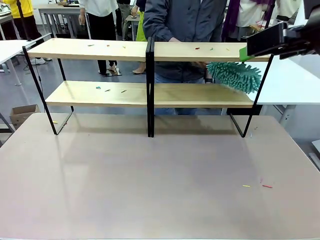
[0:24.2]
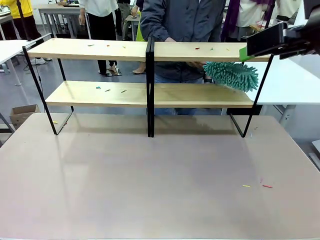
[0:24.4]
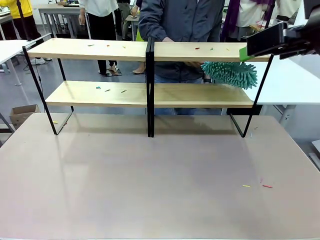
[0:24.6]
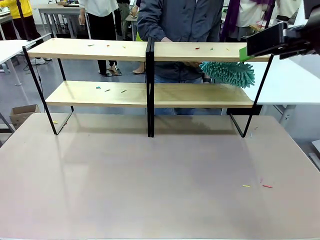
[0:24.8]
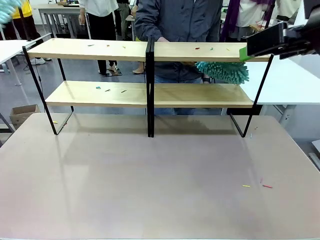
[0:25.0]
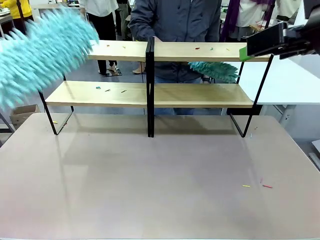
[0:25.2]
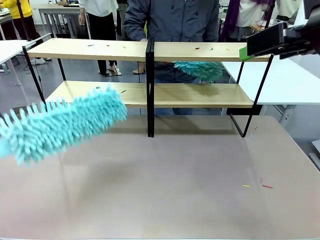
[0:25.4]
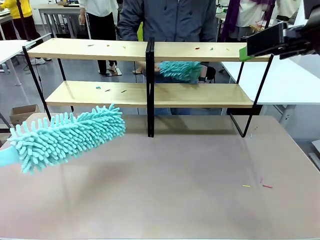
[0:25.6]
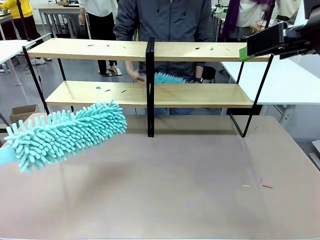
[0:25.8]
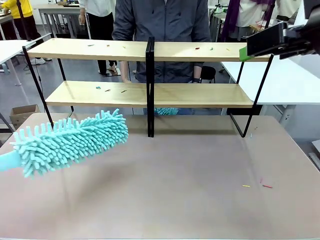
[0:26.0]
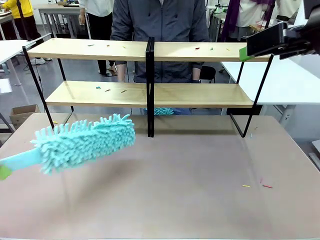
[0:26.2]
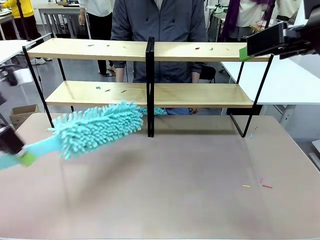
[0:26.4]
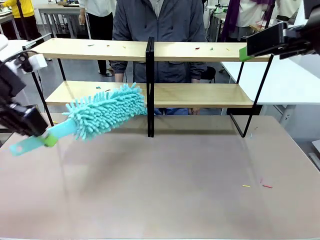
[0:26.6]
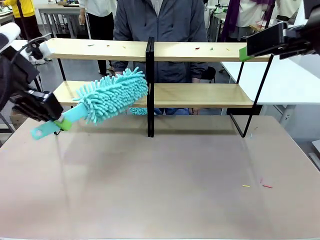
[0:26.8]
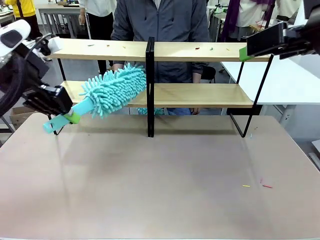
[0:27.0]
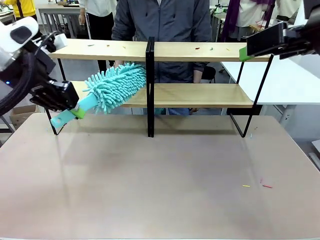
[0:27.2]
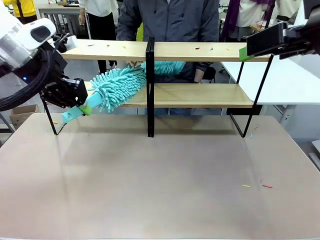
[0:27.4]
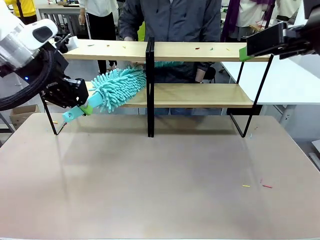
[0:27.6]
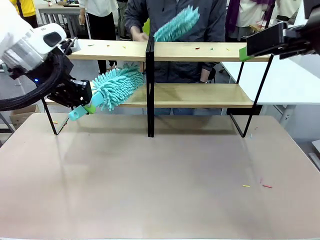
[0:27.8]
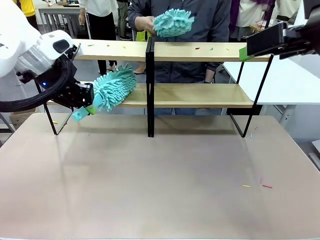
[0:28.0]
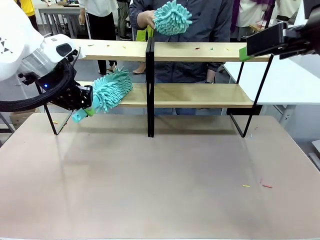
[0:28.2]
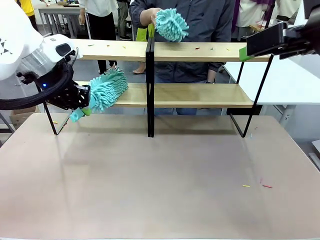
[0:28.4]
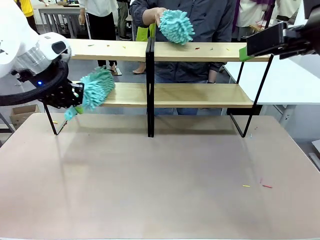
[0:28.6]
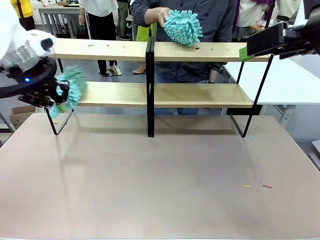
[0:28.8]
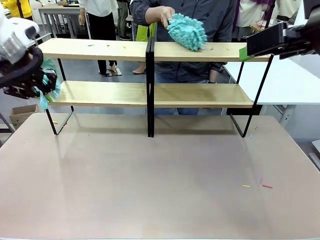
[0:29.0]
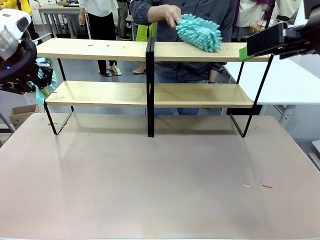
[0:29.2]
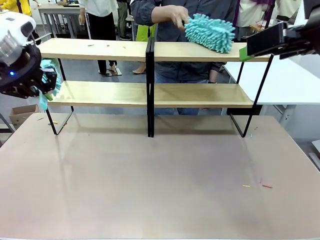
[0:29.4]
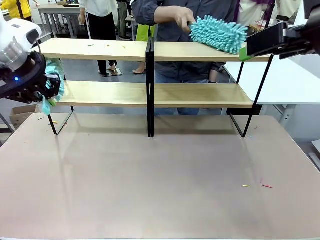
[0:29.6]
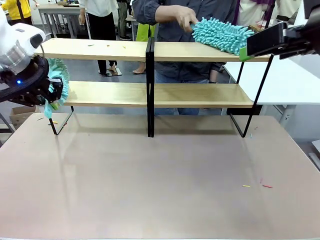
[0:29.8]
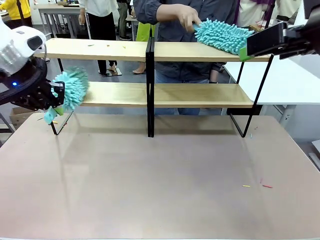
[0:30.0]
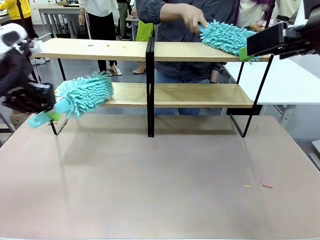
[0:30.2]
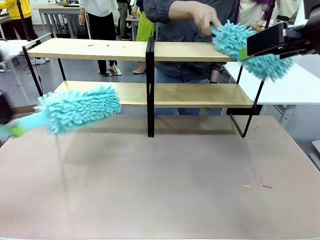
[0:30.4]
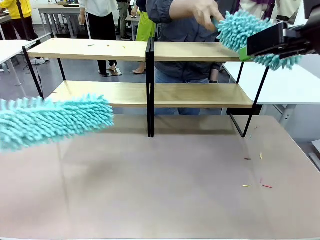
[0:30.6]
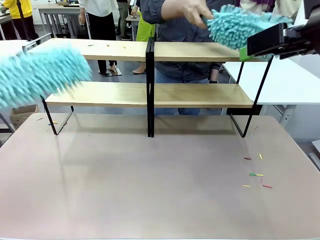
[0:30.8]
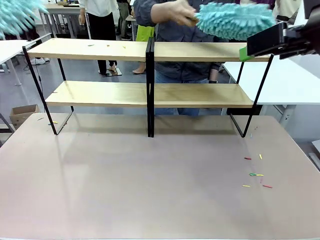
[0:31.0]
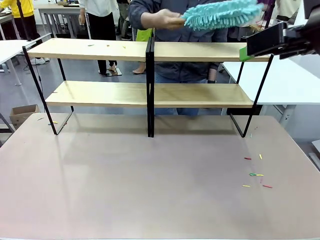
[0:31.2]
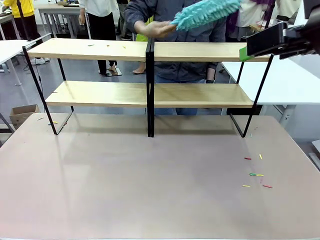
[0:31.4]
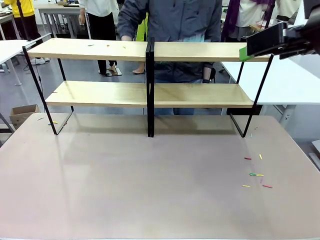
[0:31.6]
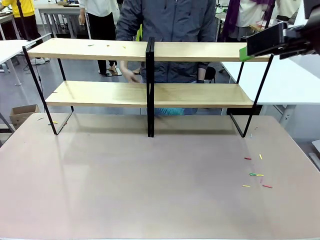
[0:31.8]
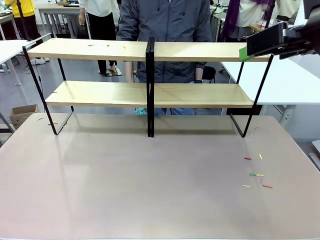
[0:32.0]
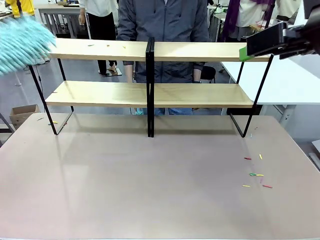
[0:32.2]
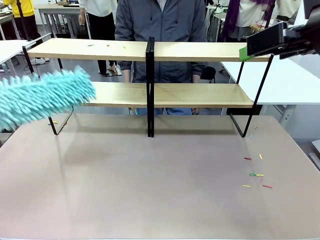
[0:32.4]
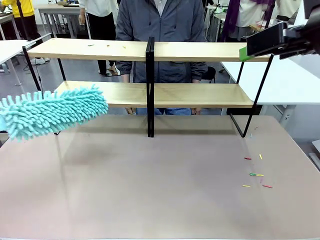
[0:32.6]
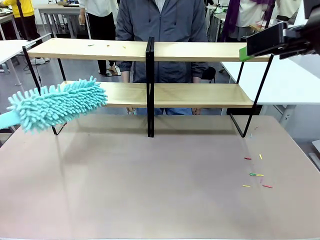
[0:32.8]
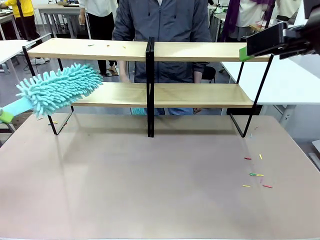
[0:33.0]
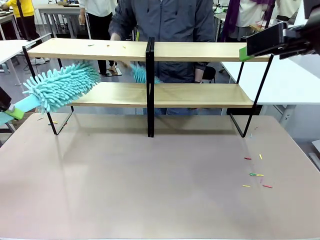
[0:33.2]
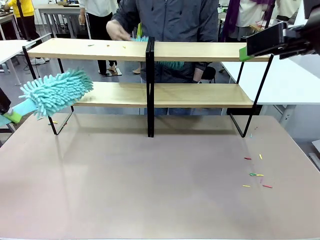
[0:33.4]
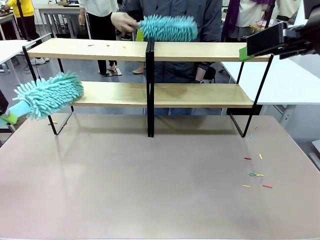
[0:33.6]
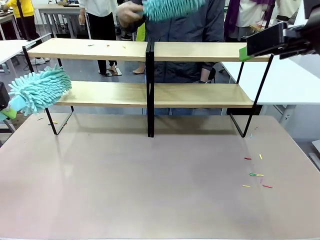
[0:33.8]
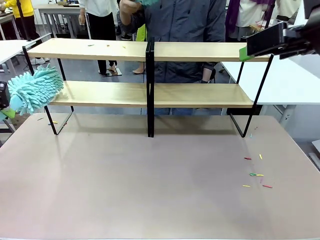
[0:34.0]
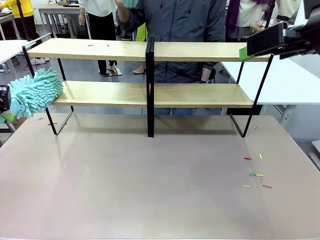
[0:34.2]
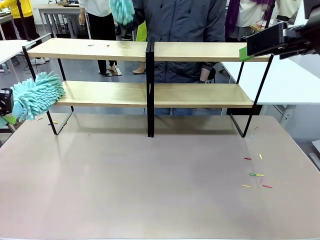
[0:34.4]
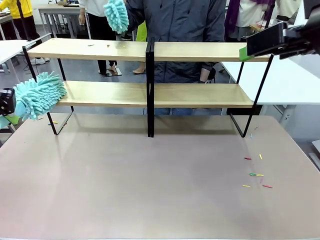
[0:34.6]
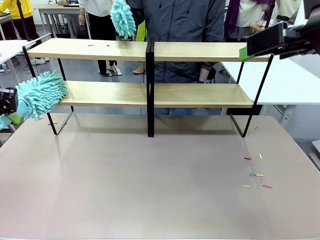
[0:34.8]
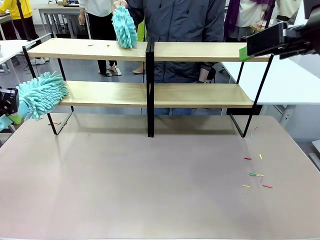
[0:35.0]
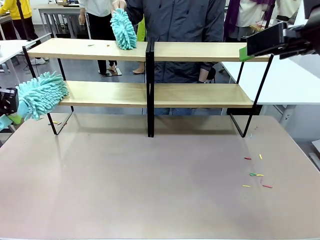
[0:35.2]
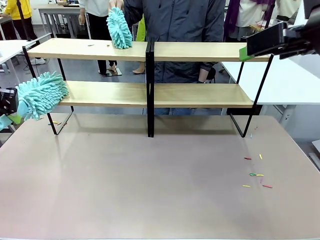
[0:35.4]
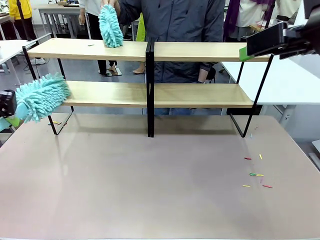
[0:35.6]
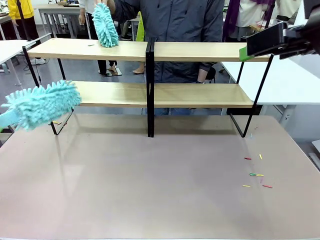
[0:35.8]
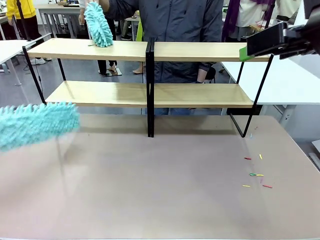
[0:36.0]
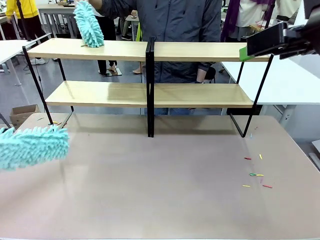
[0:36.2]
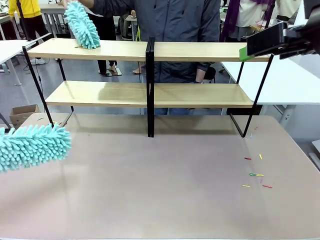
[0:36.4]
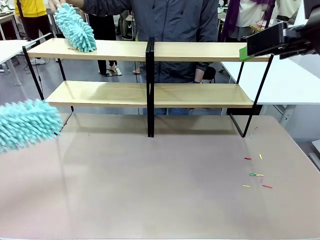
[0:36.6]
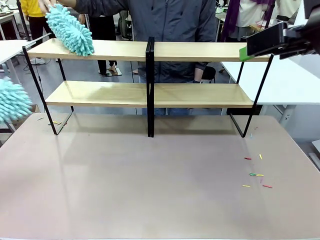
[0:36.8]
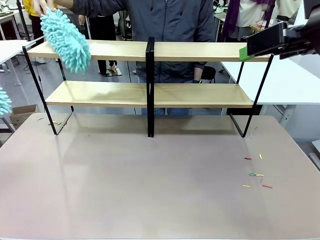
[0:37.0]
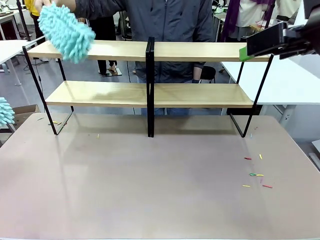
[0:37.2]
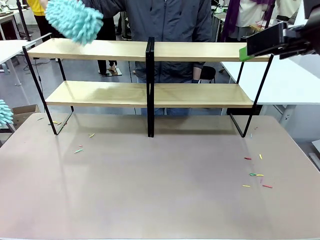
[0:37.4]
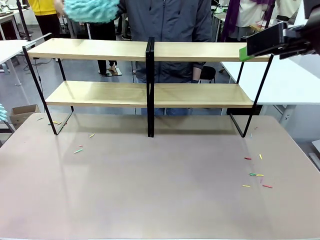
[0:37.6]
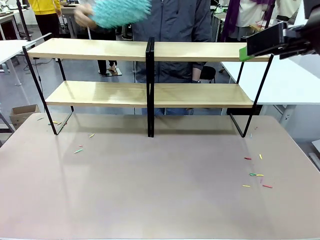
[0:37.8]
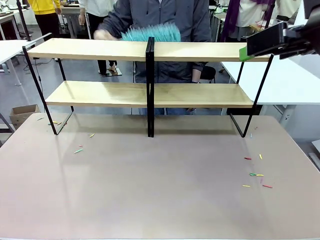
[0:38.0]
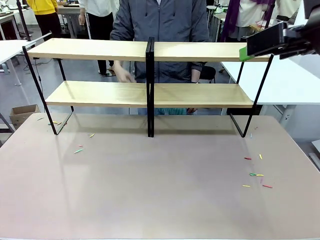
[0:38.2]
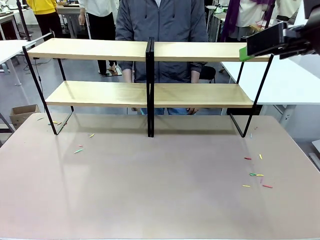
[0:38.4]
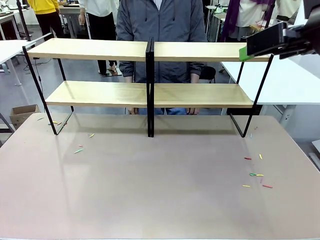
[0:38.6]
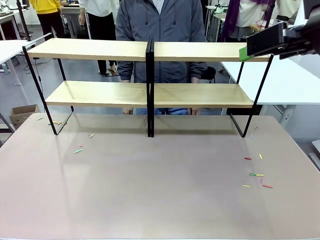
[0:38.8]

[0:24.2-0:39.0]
Task: Clean the shelves.
Robot: Clean another randomly selected level of the Shelf with the Duster.

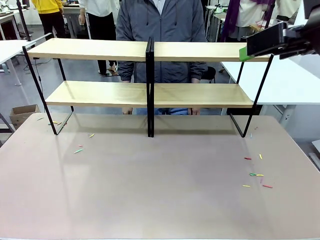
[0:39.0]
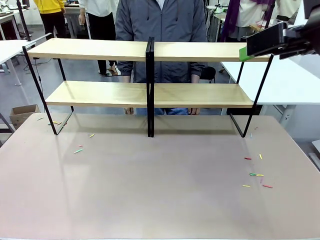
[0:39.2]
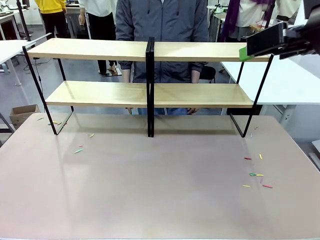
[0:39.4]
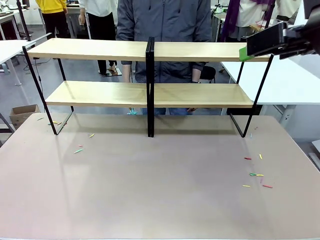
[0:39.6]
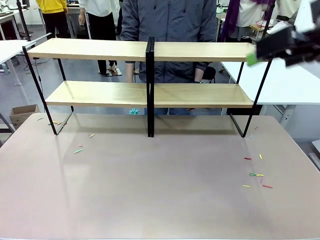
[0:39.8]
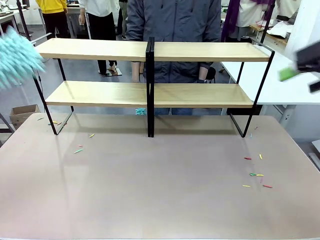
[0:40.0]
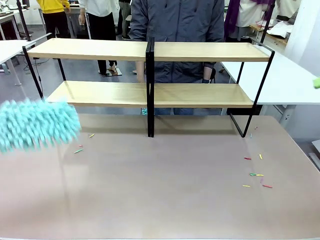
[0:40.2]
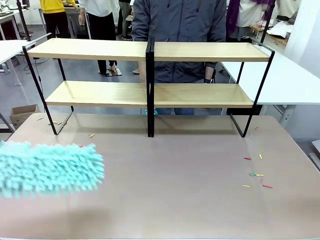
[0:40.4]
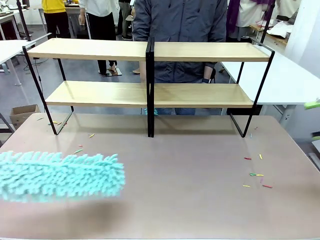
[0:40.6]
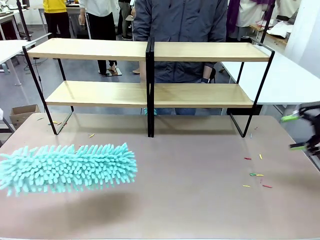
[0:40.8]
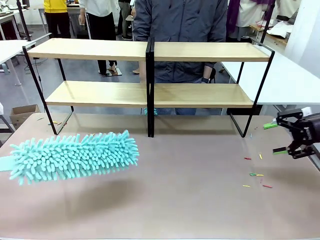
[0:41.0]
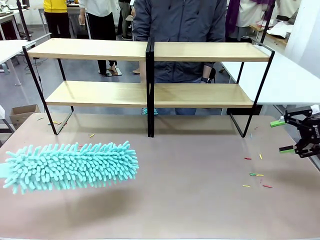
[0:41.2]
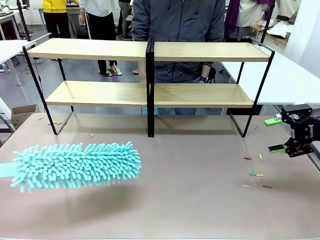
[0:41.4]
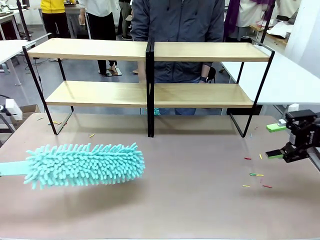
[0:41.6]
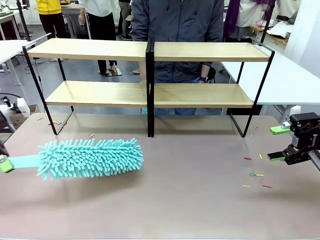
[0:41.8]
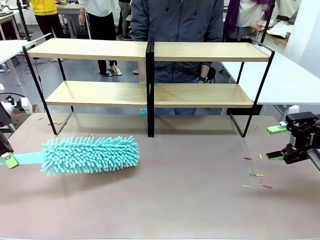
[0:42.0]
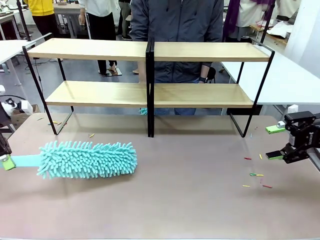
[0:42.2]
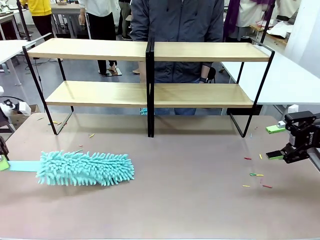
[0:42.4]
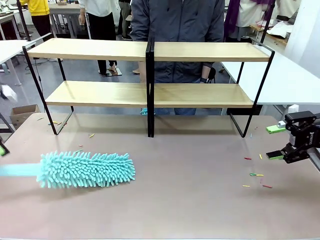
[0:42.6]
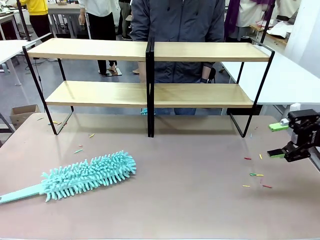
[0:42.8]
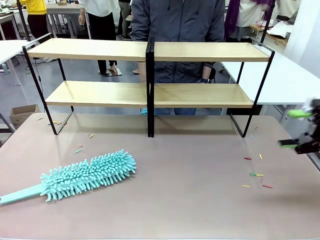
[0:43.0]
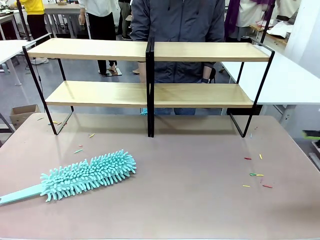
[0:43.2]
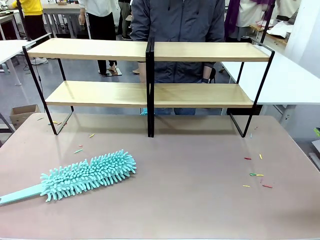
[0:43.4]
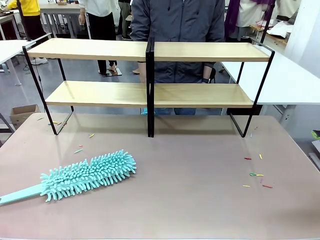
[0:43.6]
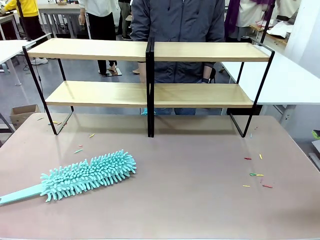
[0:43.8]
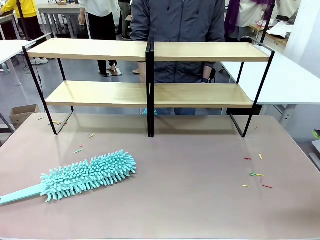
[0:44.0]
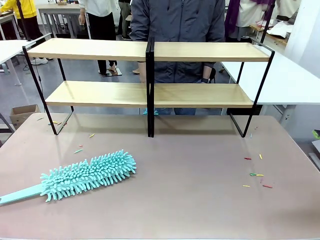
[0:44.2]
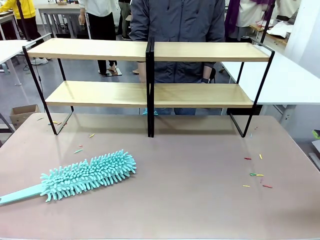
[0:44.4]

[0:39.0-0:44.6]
Robot: Place the Duster on the table.
